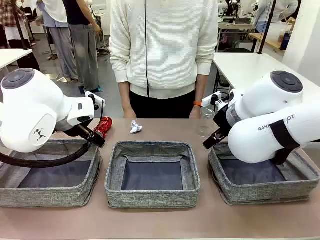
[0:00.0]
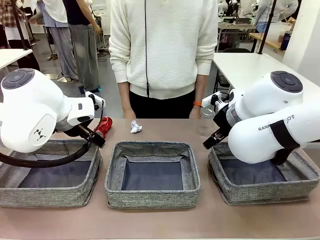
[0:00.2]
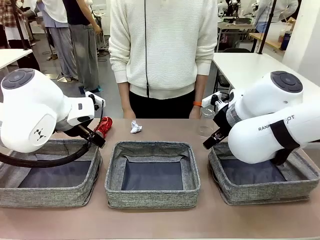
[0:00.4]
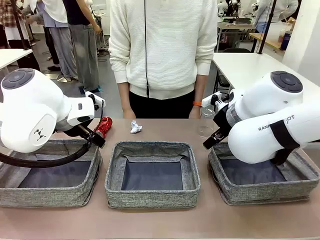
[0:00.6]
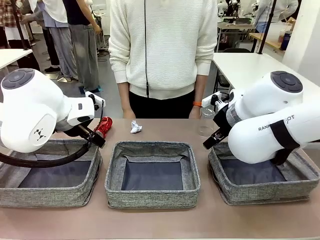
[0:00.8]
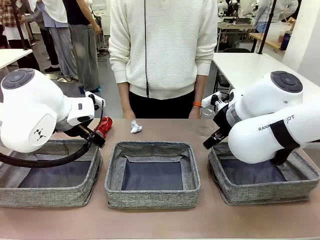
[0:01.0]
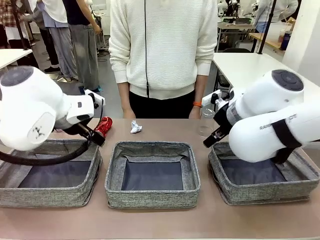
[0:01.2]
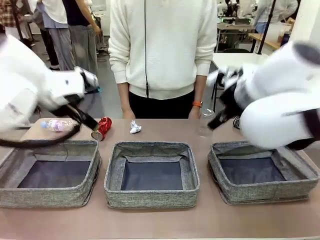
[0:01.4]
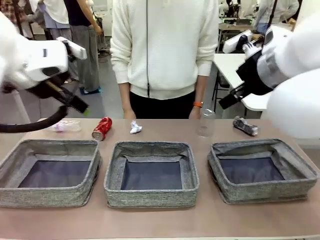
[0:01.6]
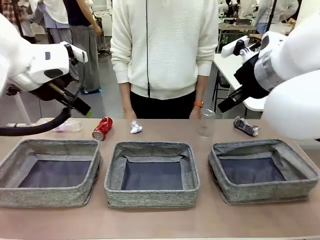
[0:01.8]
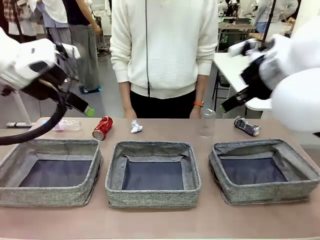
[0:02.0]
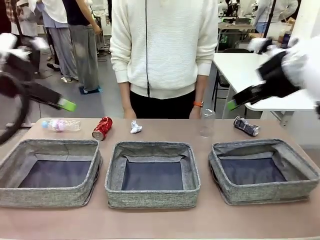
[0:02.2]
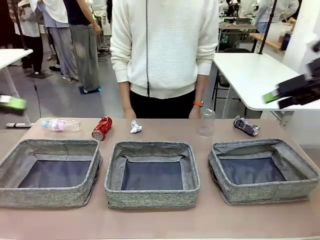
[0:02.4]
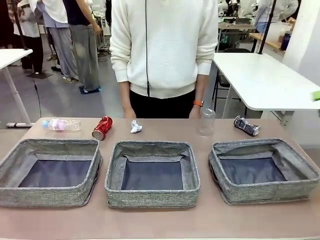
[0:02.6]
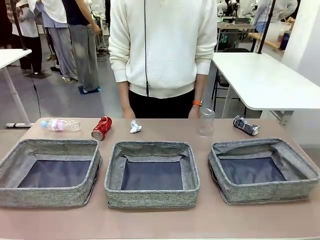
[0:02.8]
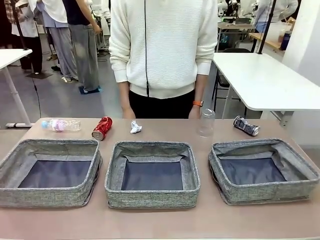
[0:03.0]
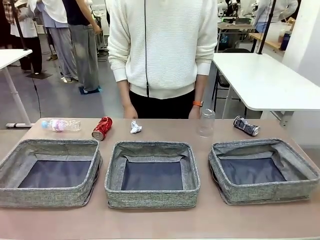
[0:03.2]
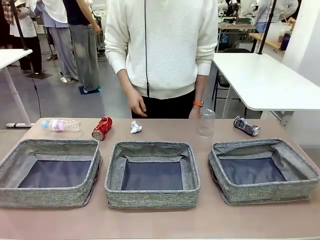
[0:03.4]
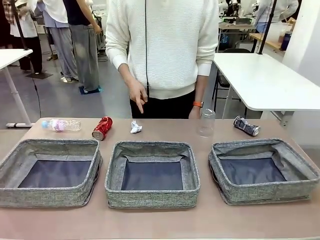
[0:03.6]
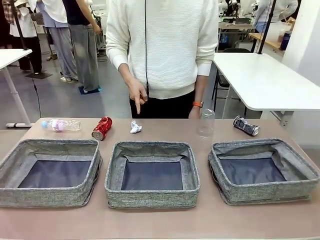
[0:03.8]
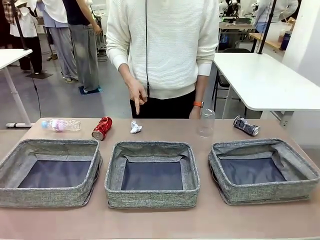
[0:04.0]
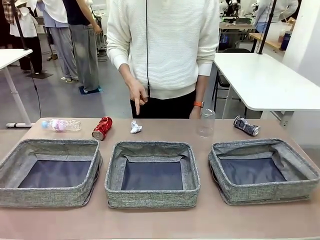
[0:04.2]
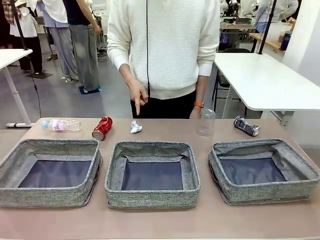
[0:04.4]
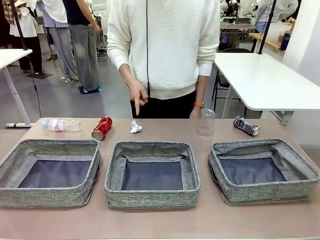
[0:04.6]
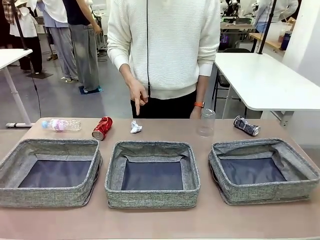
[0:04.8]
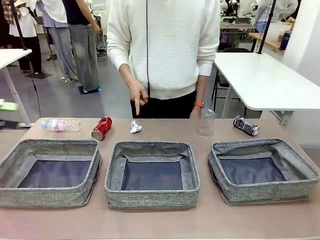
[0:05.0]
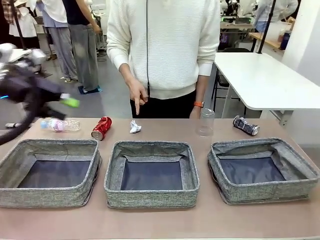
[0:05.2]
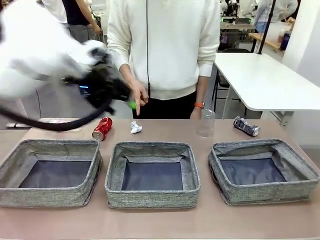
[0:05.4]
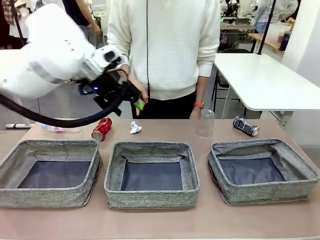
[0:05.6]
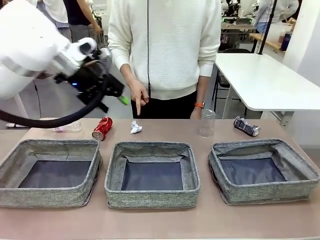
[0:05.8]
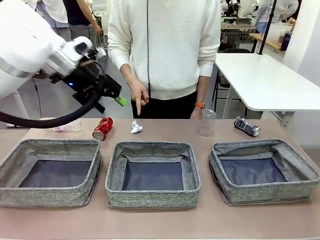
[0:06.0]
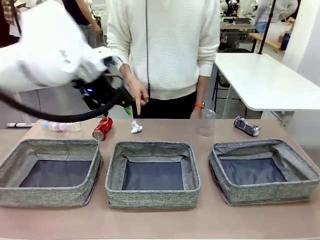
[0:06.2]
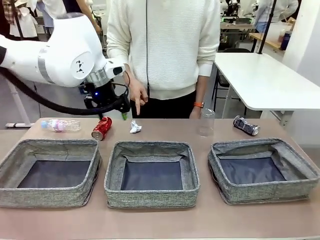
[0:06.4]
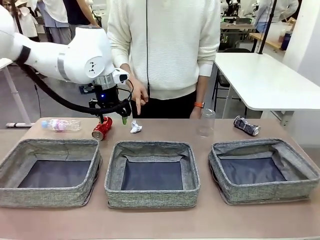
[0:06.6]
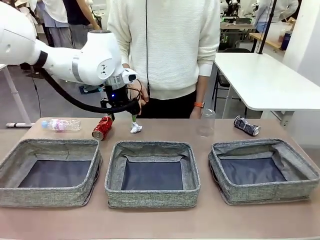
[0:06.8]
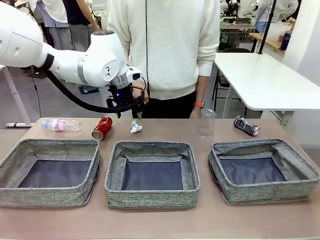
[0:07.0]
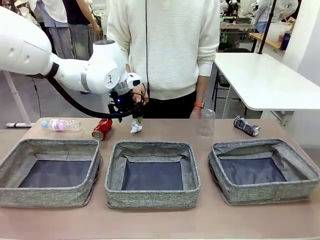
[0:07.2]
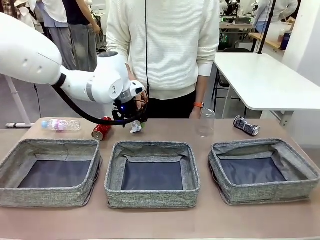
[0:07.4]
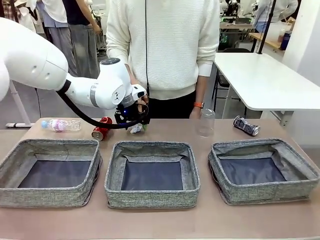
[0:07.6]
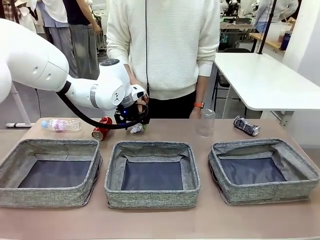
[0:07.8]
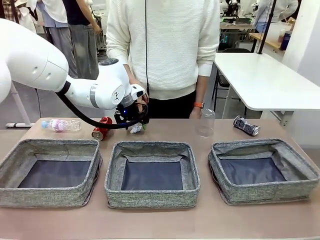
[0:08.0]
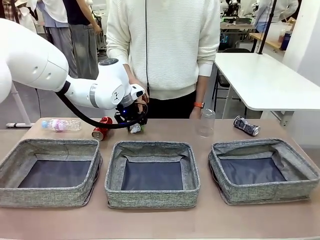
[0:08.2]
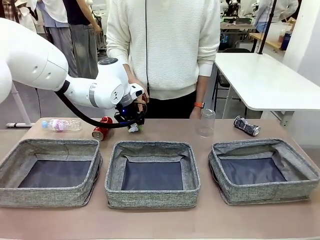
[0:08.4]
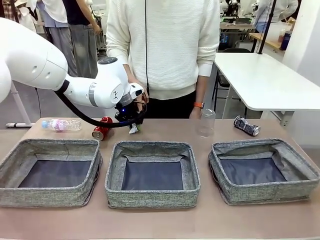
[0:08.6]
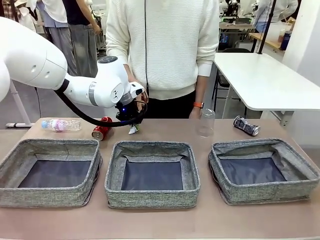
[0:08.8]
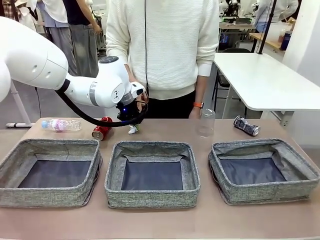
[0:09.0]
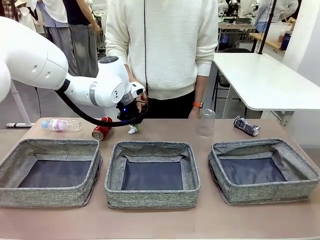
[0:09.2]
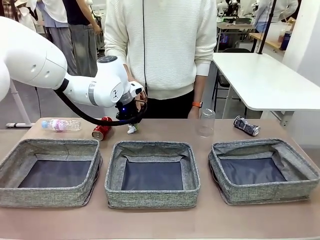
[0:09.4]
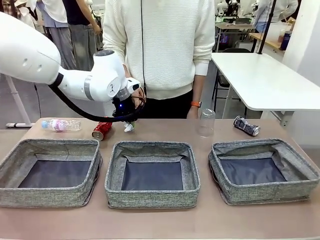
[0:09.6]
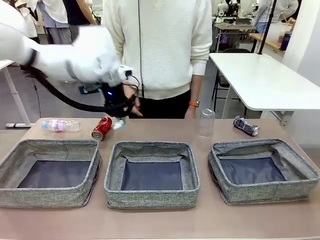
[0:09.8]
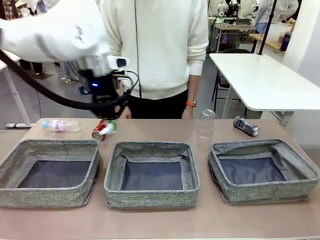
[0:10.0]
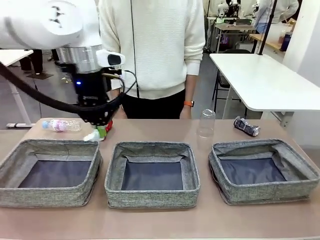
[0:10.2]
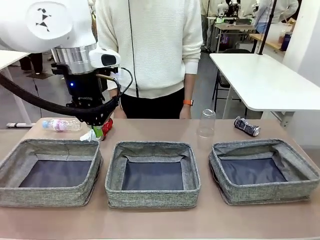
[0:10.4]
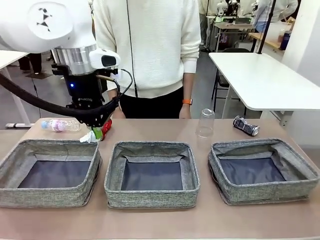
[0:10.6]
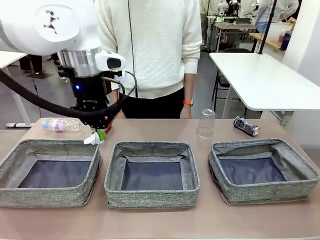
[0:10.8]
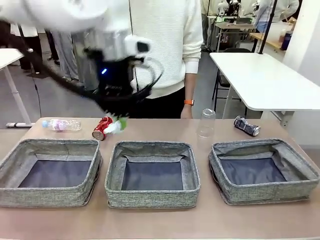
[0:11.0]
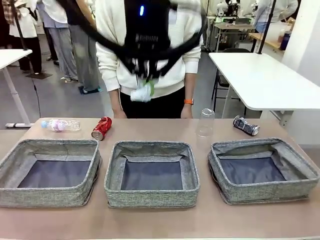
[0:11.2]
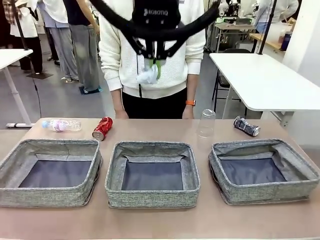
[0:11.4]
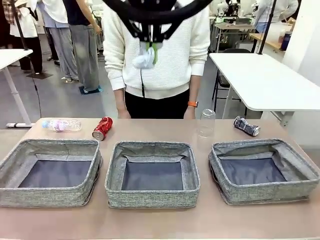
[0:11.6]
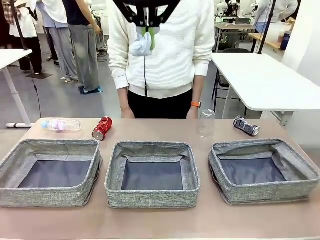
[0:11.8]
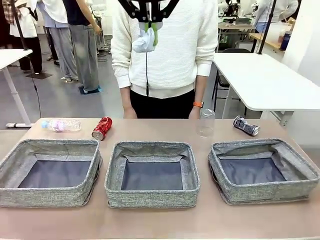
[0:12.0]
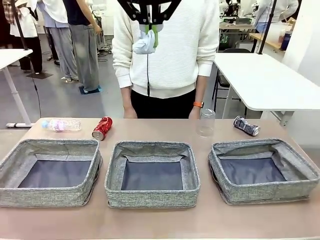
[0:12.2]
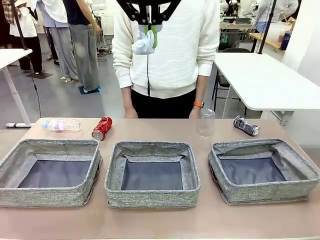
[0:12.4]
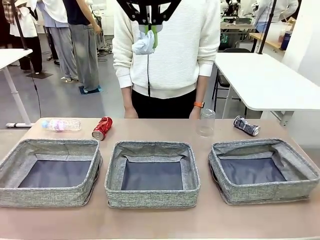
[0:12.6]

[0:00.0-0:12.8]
Task: Sort the waste into the appropriate baskets.
Robot: Pick up the waste item pointed out by the person.
Person: Points to one piece of trash on the table.

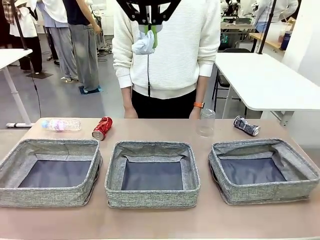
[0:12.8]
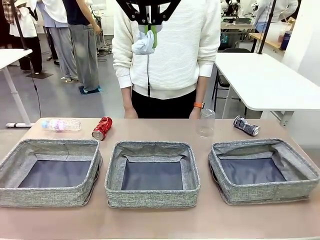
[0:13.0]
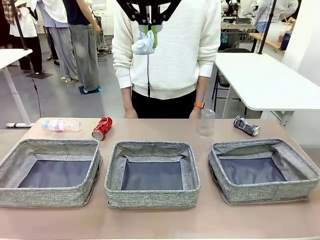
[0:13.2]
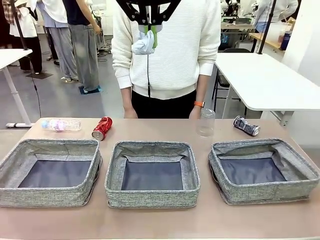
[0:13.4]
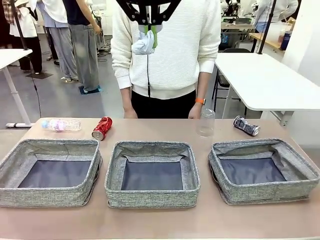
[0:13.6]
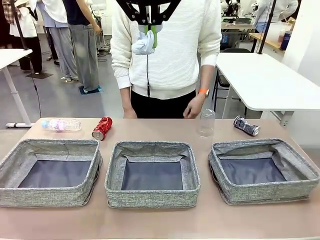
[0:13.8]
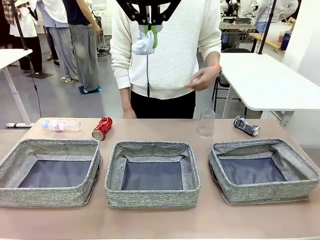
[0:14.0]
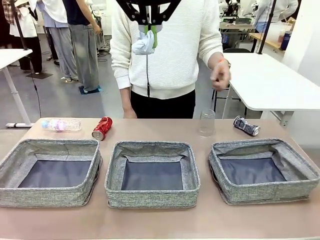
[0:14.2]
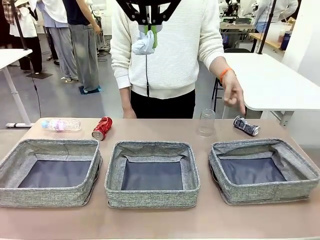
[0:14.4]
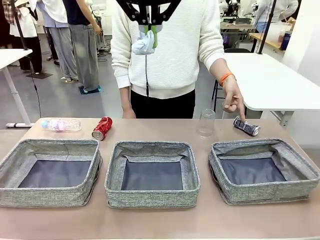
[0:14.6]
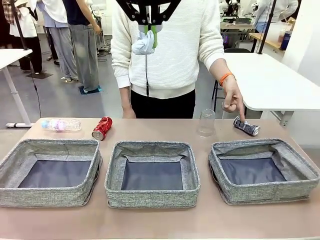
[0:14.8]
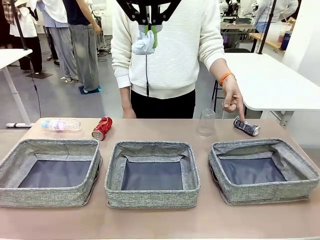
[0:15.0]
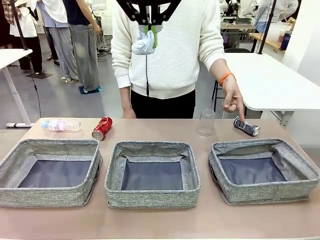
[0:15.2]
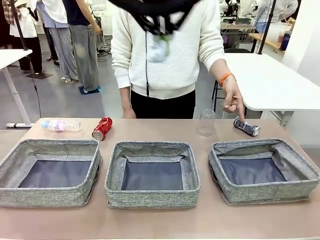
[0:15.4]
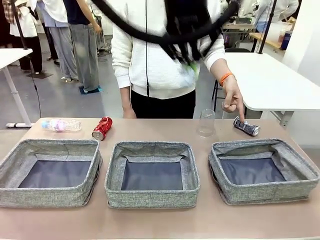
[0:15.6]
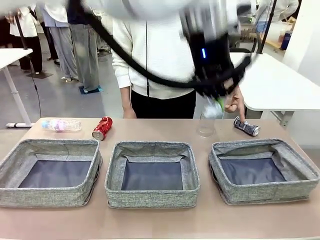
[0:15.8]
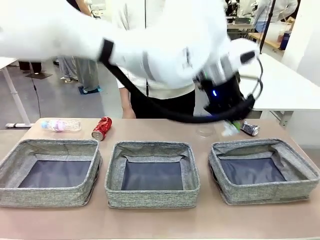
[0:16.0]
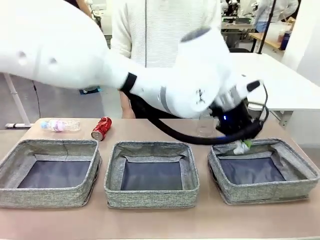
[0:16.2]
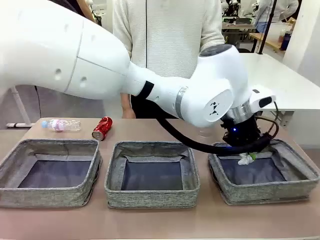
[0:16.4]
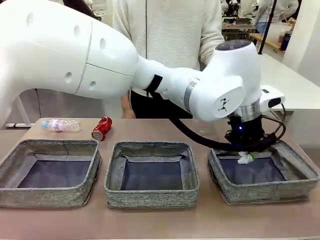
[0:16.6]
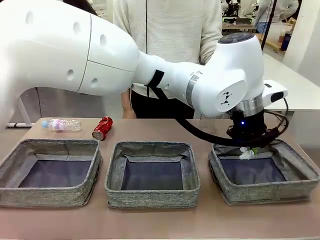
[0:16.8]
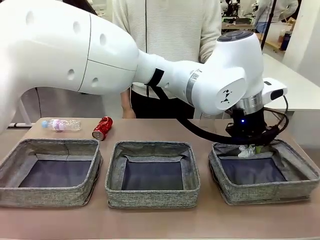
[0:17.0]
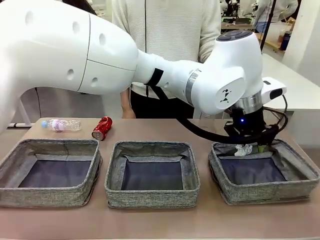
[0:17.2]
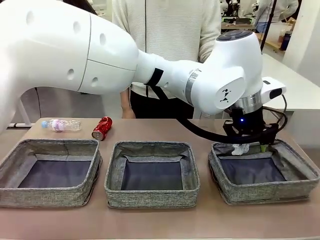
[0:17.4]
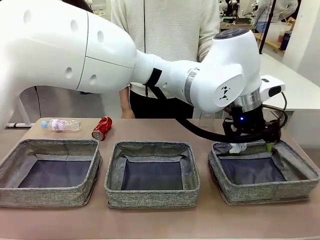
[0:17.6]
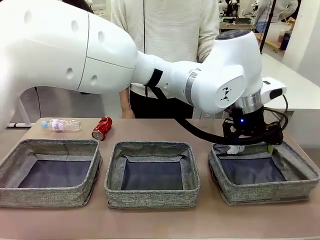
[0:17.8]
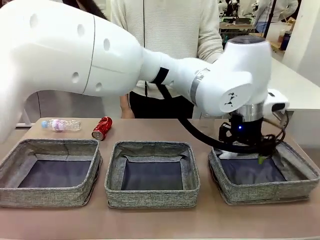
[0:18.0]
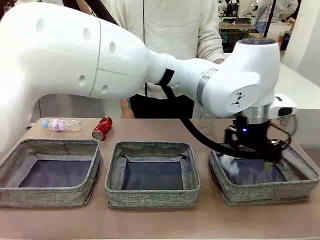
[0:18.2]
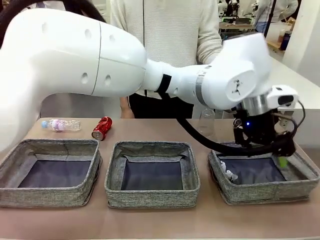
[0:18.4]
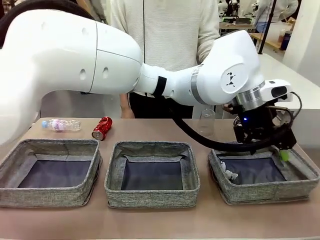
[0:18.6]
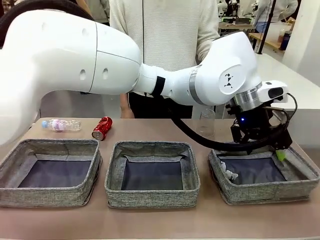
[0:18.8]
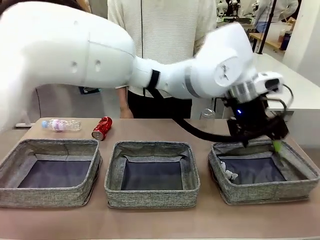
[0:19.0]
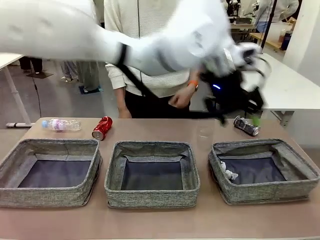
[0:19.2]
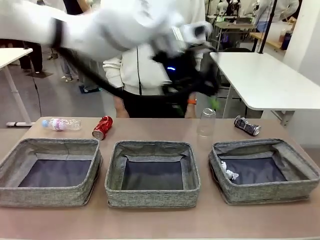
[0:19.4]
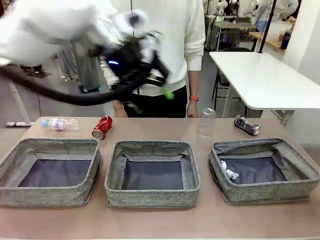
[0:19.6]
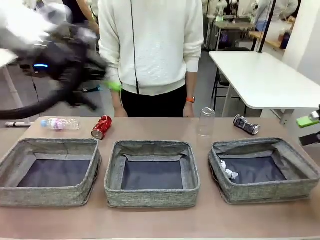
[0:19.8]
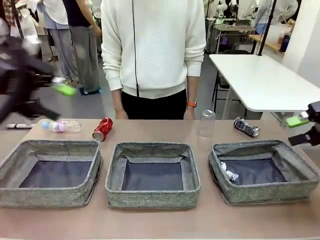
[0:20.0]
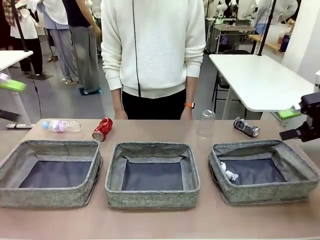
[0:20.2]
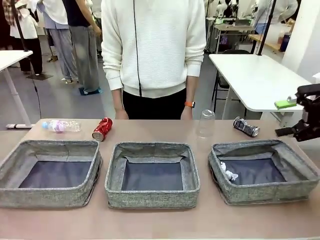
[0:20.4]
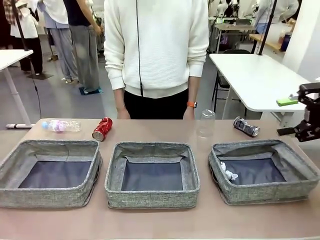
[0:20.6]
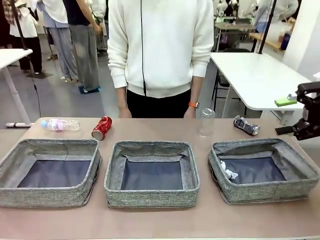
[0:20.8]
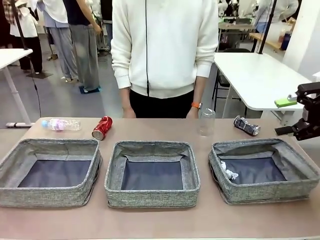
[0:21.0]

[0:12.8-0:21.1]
Robot: Place the picked waste into the Fabric basket indicated by the person.
Person: Instructs the robot to place the picked-up trash into the appropriate organizing basket.
